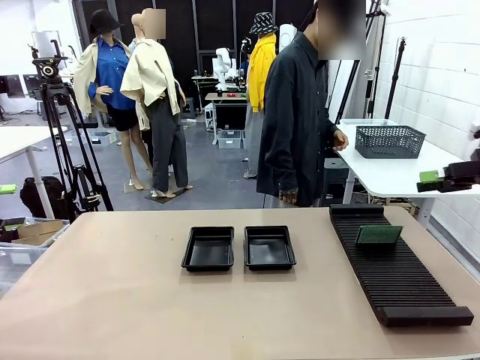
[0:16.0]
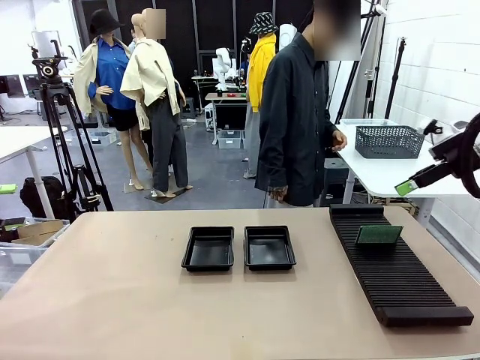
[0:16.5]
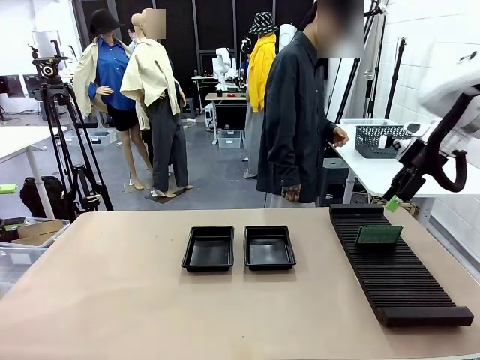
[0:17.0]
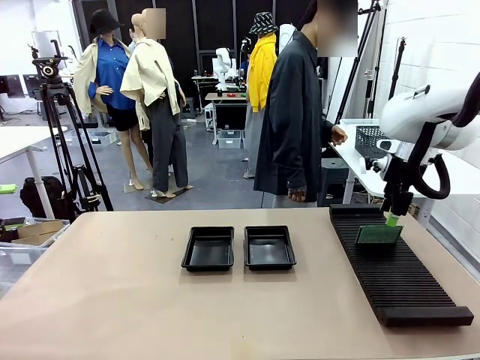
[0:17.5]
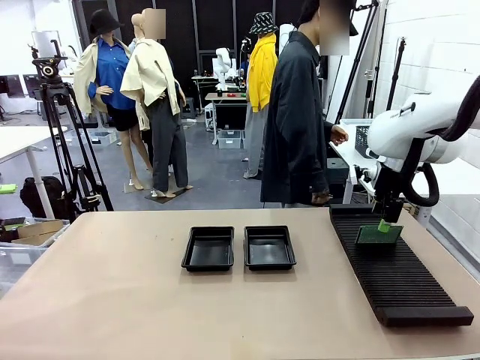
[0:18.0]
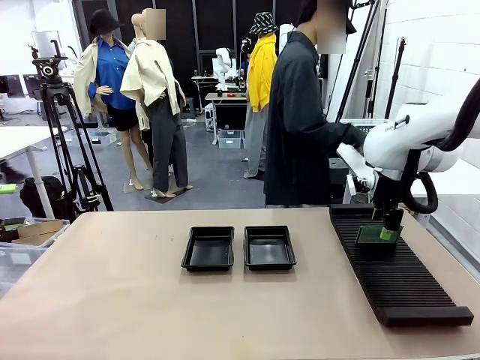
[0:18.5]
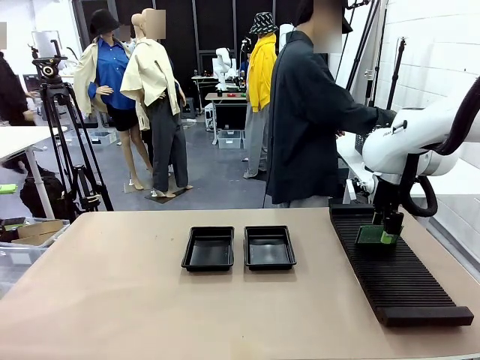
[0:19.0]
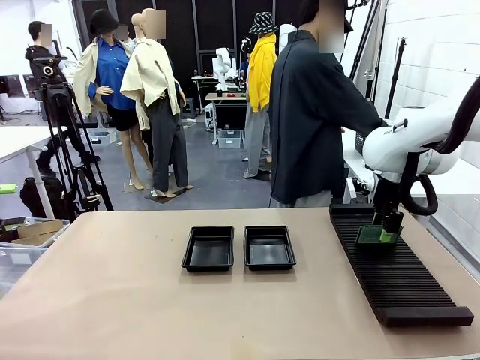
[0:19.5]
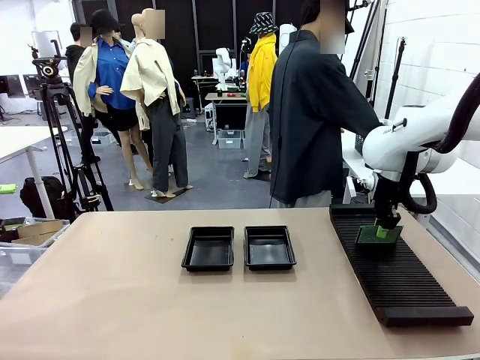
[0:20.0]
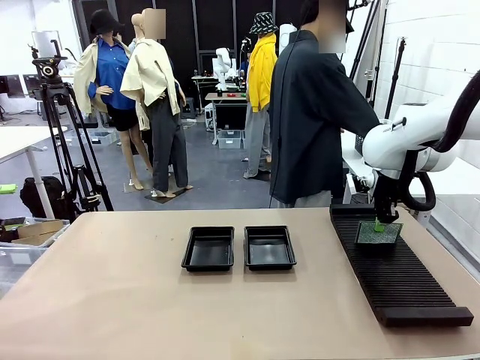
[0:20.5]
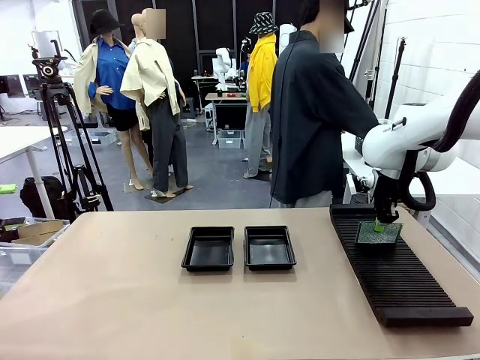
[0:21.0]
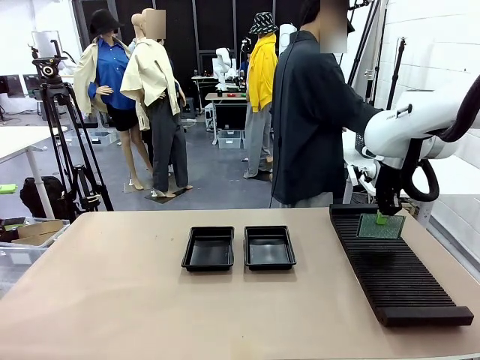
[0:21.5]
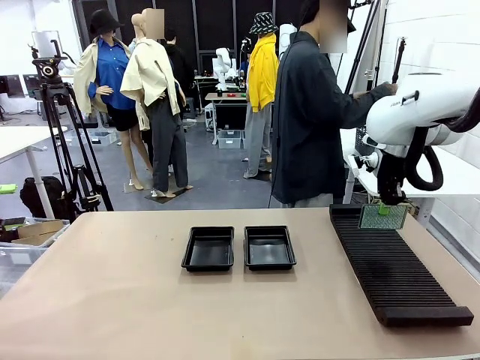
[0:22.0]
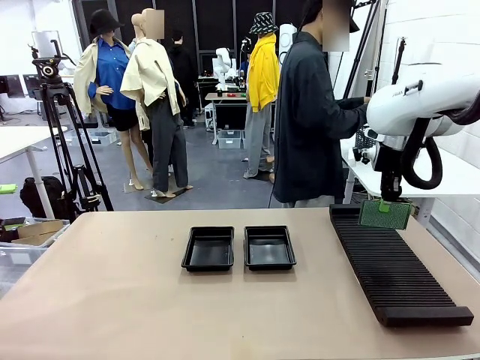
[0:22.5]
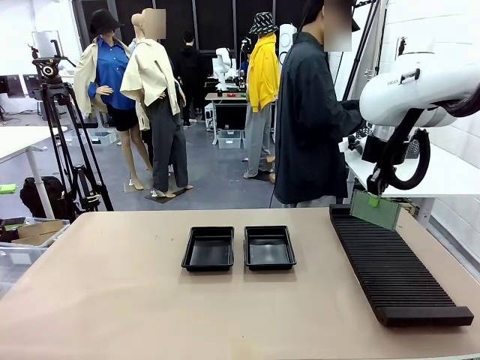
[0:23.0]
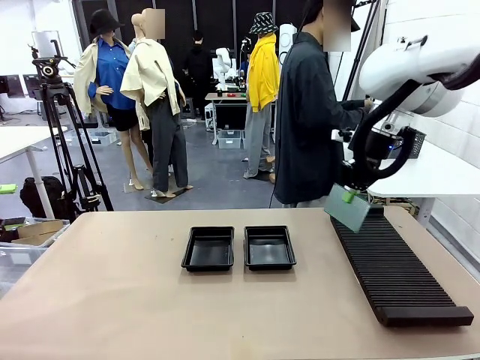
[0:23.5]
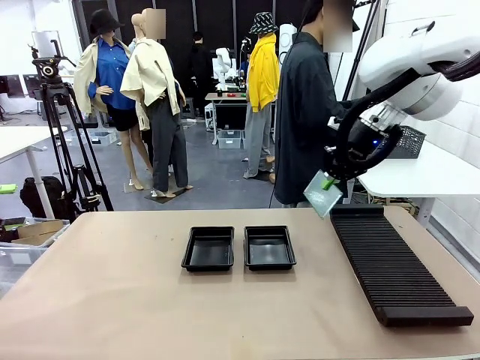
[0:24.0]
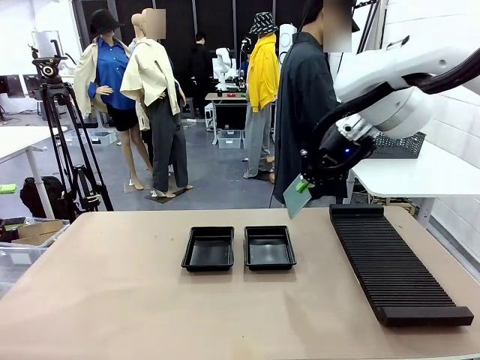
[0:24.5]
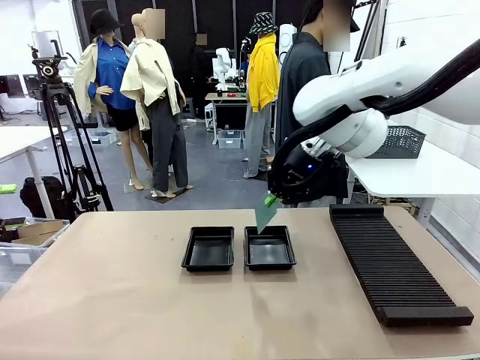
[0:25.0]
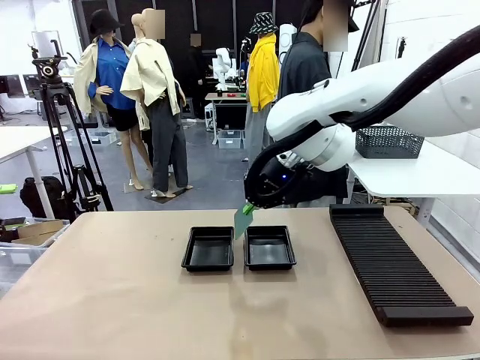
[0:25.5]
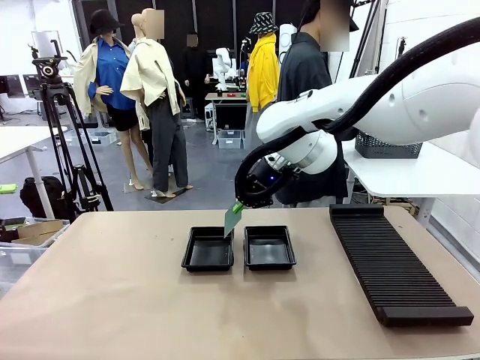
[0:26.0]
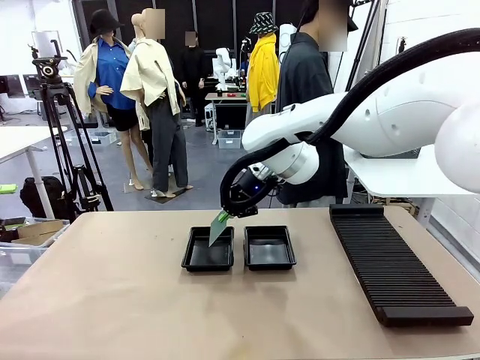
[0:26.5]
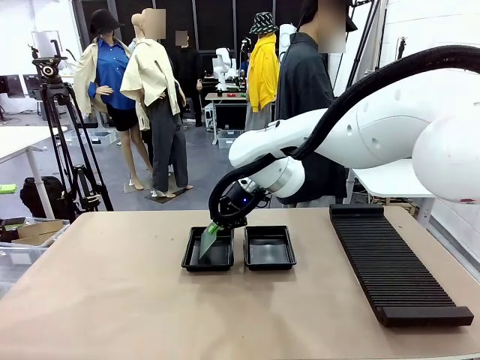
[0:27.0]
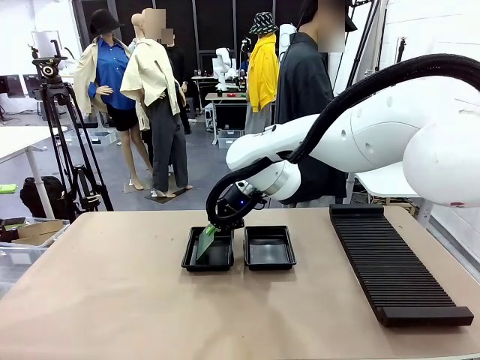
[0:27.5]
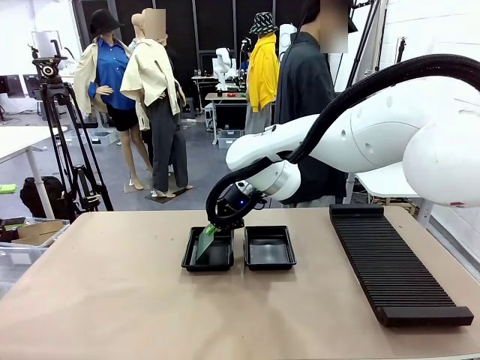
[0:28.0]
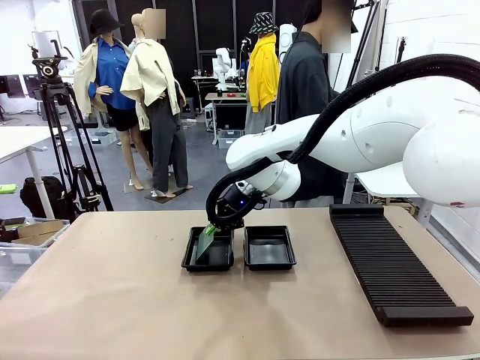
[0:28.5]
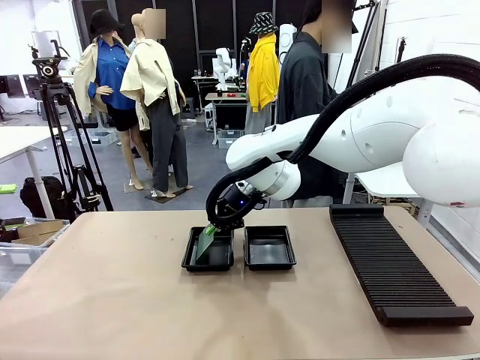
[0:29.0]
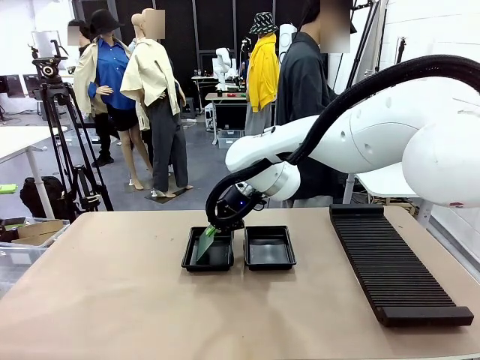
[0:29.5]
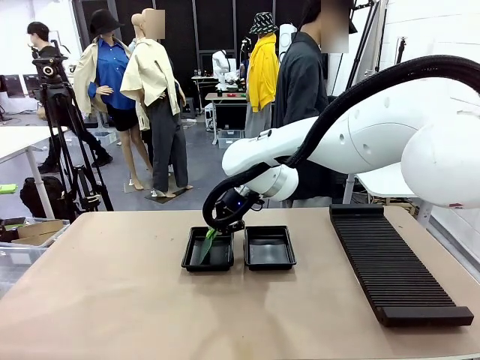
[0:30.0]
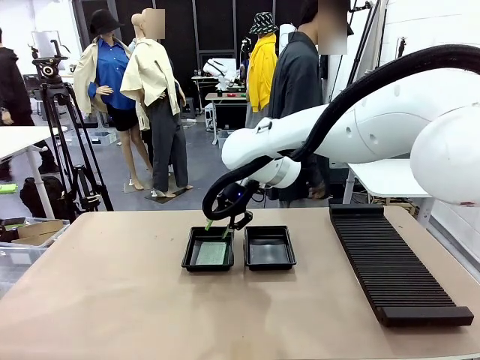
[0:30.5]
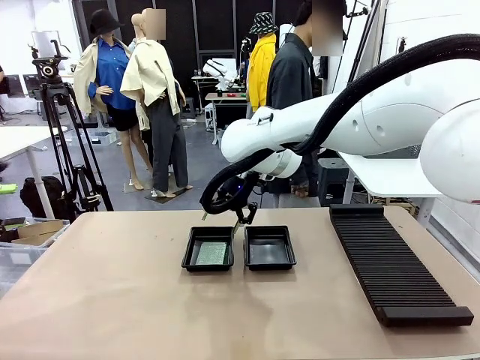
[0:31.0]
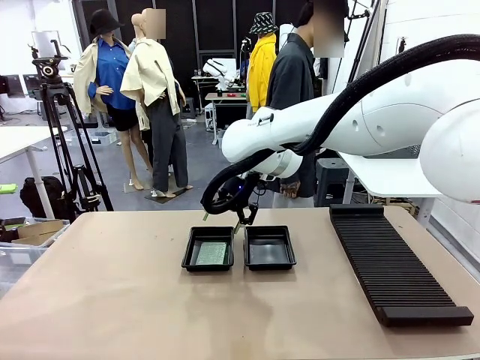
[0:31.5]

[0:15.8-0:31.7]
Task: Inspect and transfer BCBs to ESD trays.
Robot: Pick up the Blank PCB from the PCB Rack and place it in the left ESD tray.

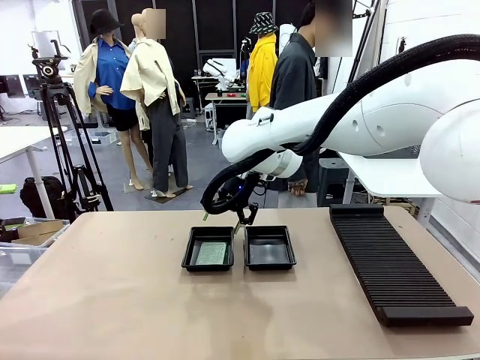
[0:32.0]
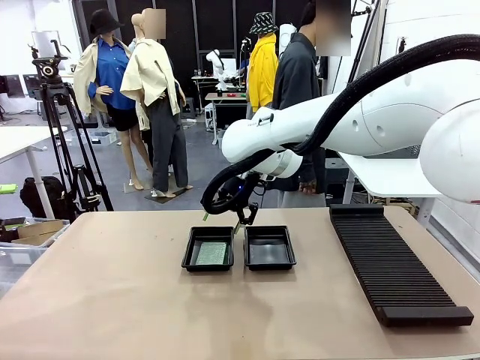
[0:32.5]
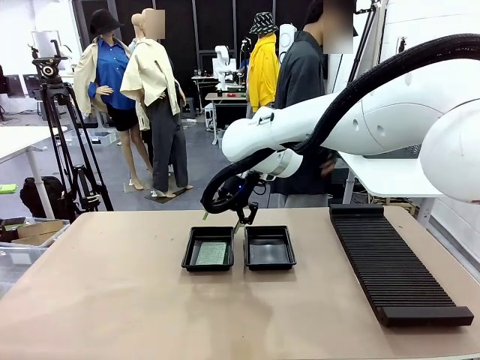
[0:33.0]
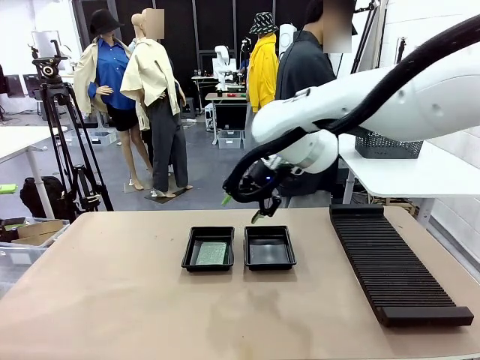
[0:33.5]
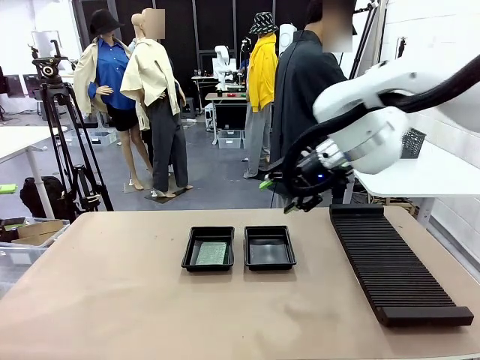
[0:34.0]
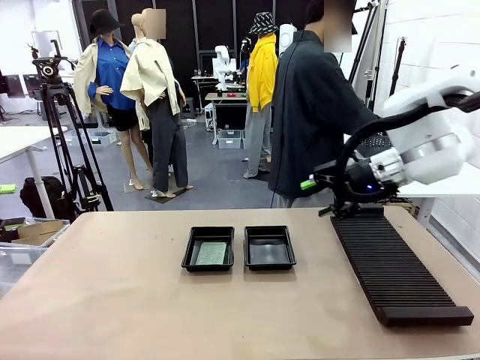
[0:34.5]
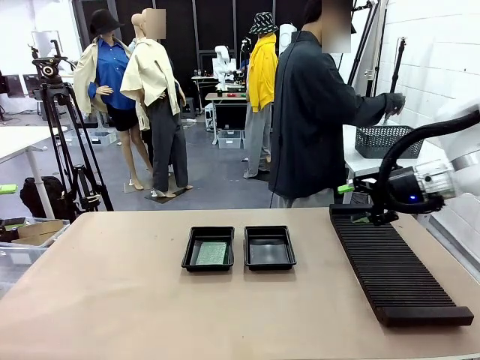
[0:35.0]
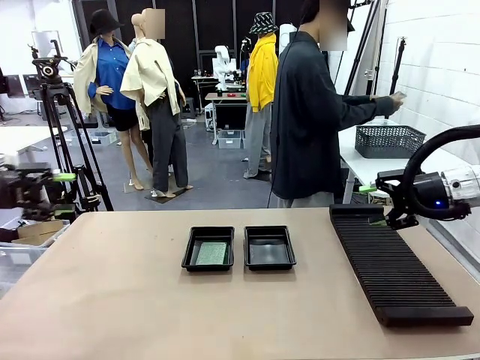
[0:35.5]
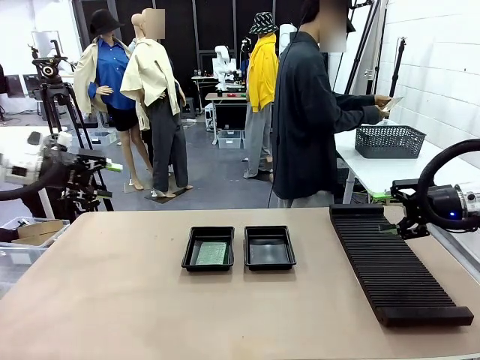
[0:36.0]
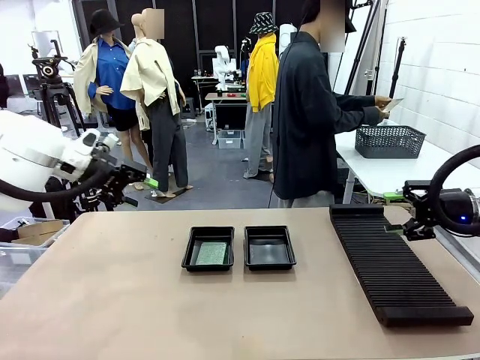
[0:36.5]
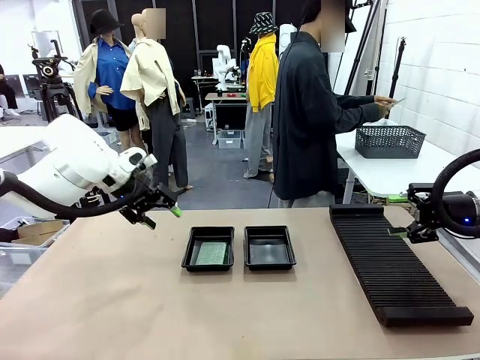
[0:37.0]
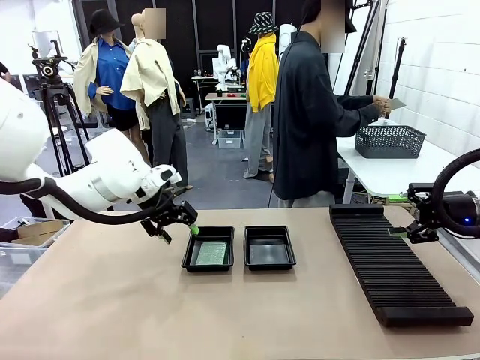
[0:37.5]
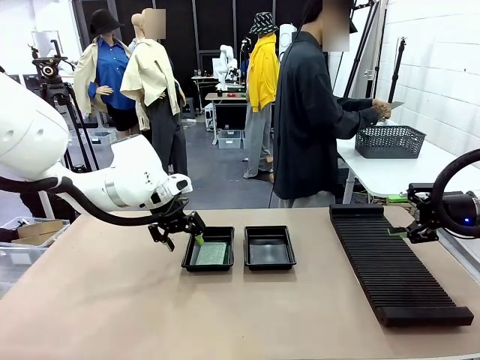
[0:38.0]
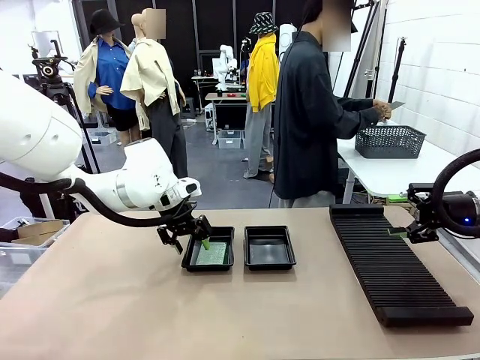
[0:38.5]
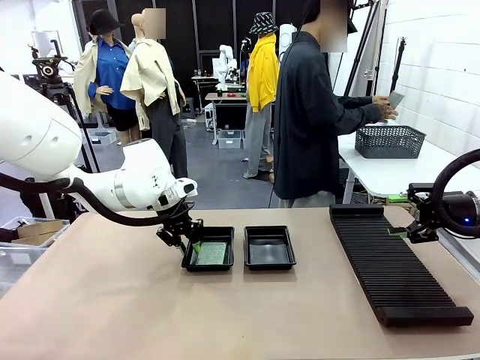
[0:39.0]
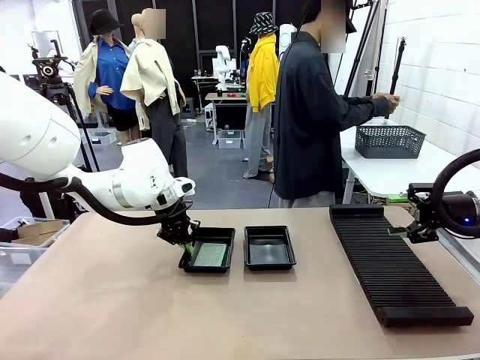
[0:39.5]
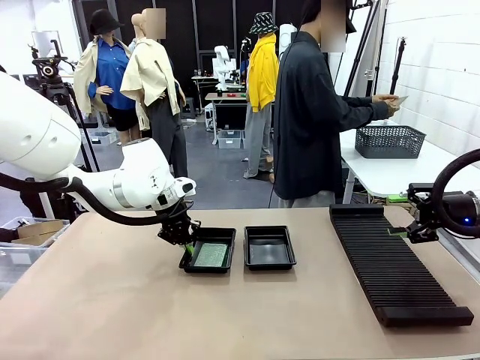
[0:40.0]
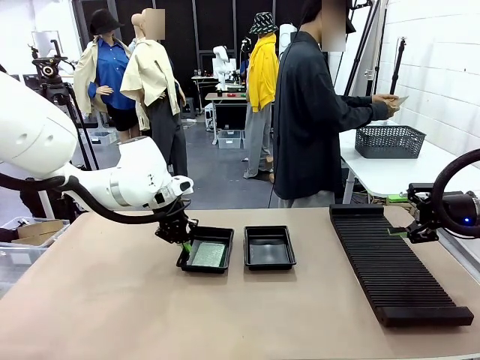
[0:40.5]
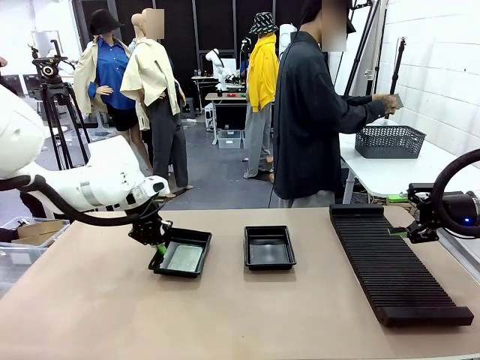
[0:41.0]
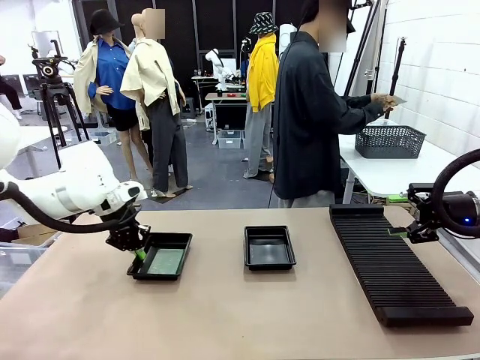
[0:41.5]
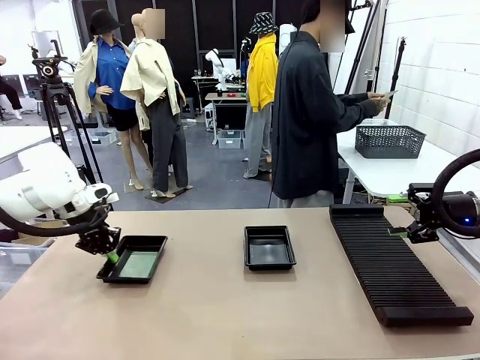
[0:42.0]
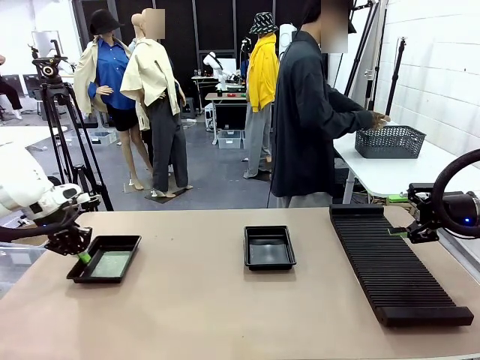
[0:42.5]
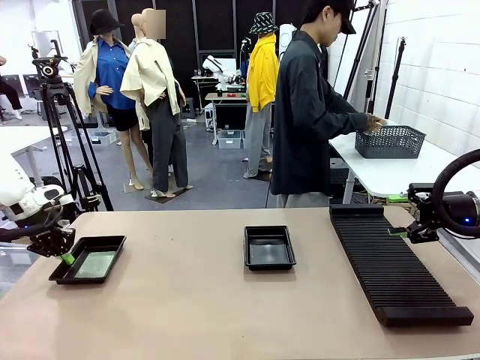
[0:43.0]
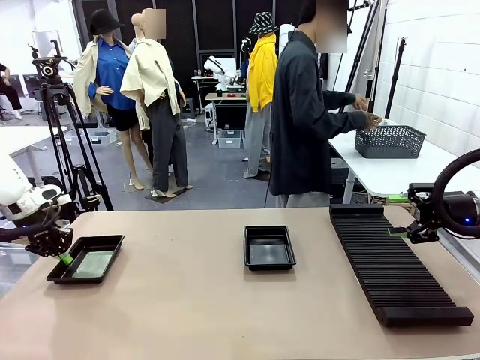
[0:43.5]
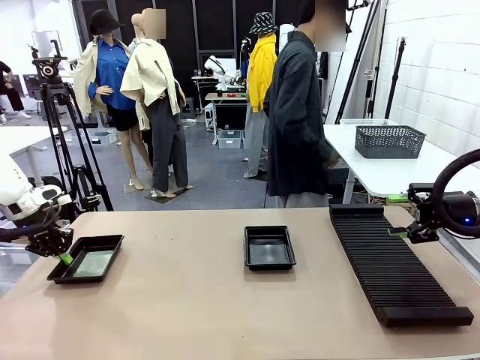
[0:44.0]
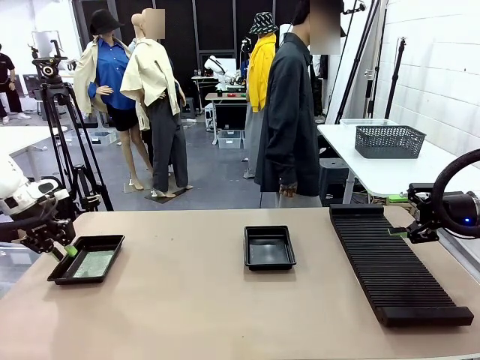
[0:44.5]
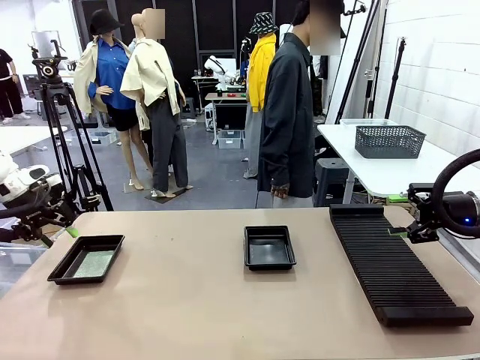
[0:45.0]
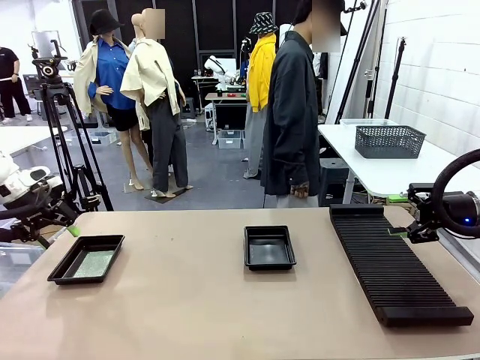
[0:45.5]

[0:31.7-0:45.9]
Robot: Pick up the ESD tray and place it on the left side of the table.
